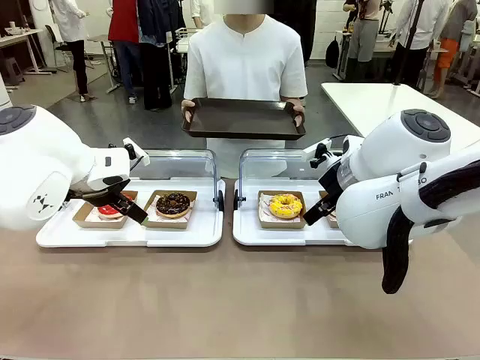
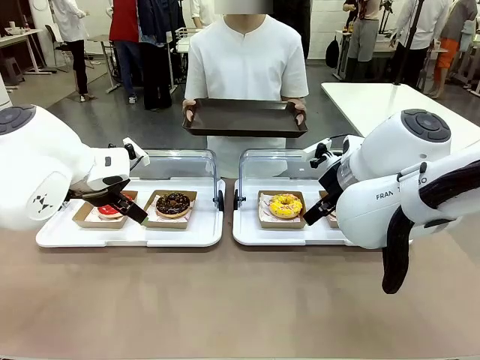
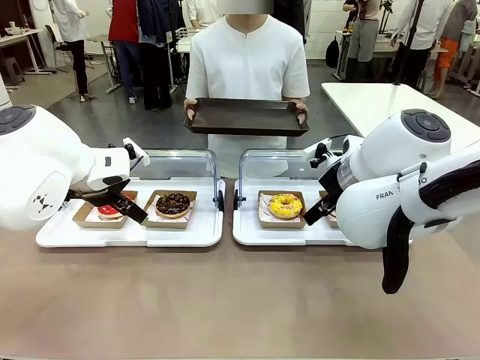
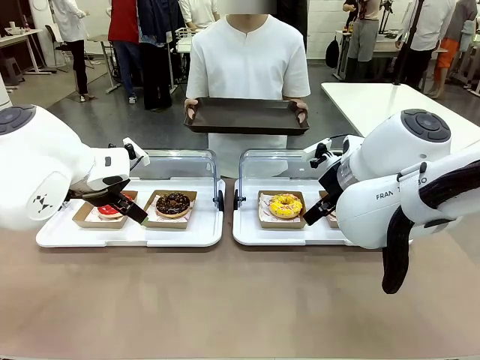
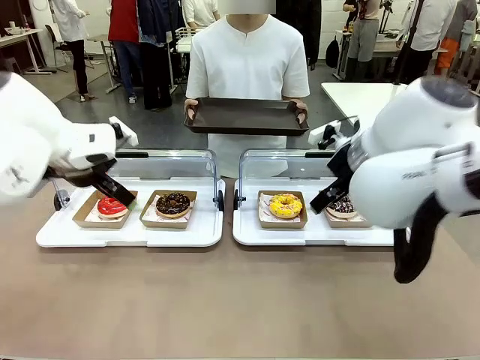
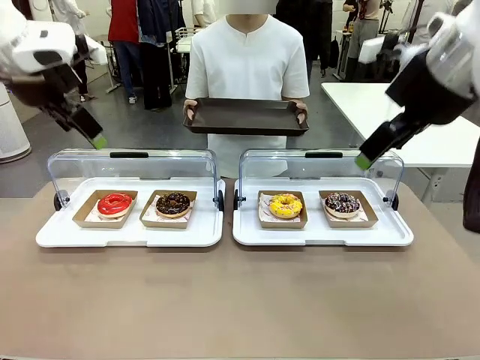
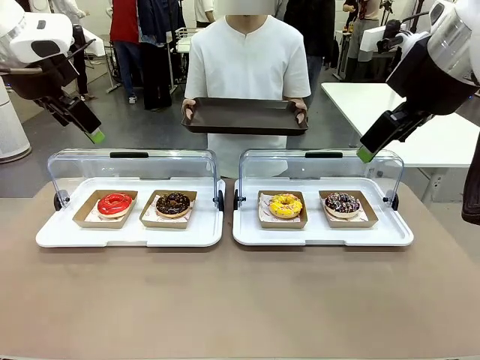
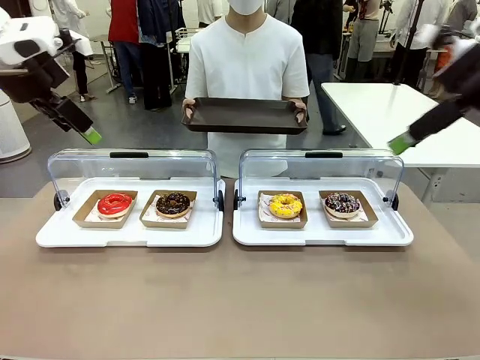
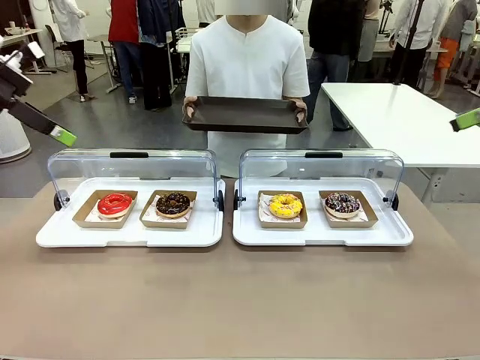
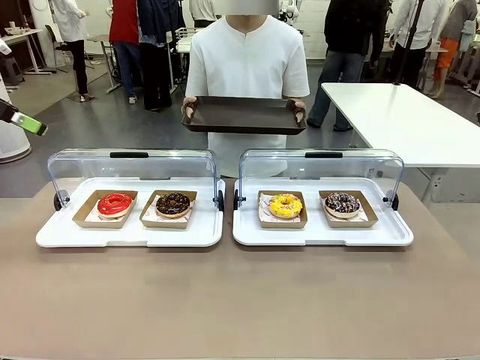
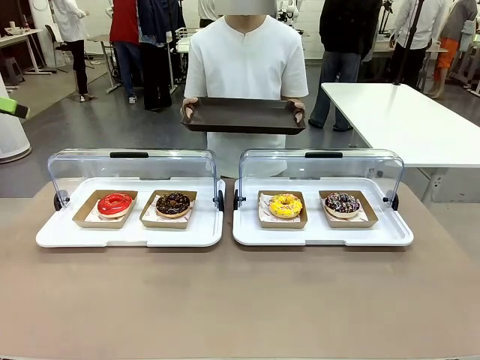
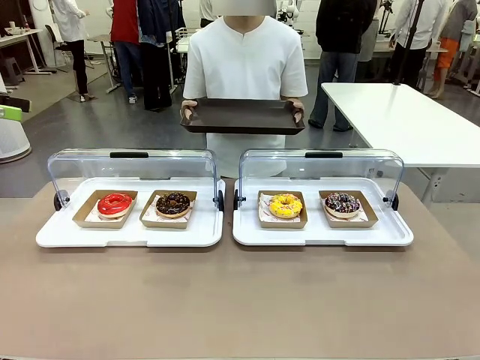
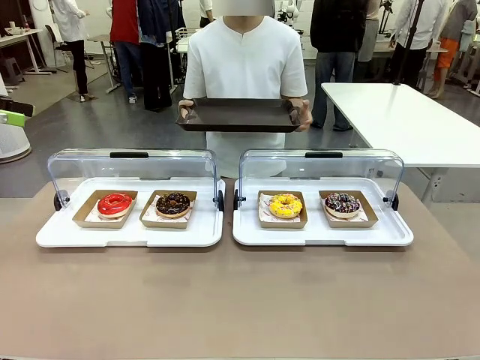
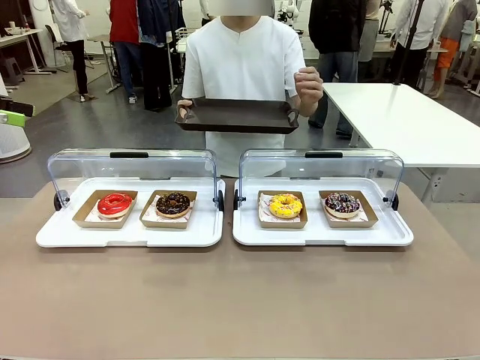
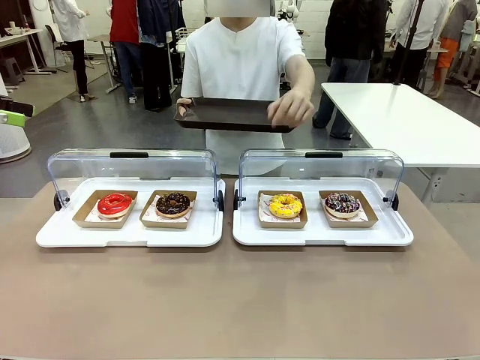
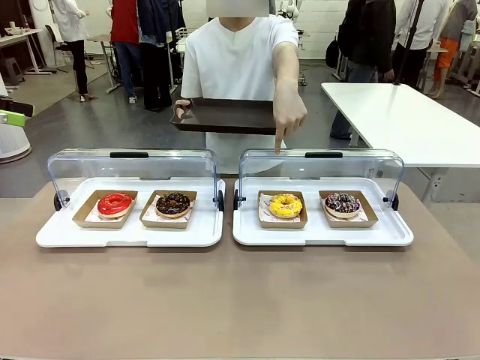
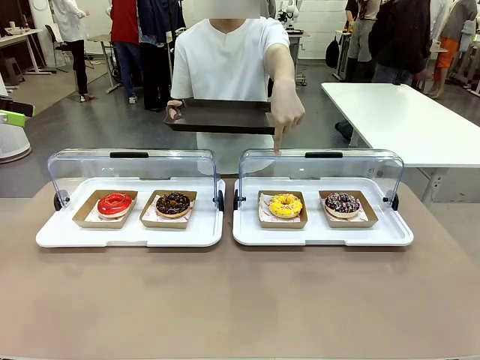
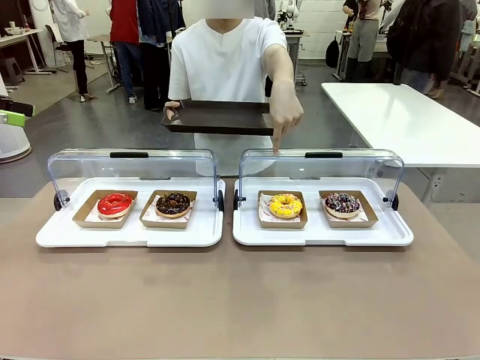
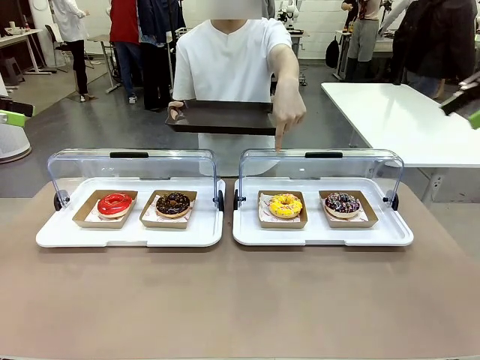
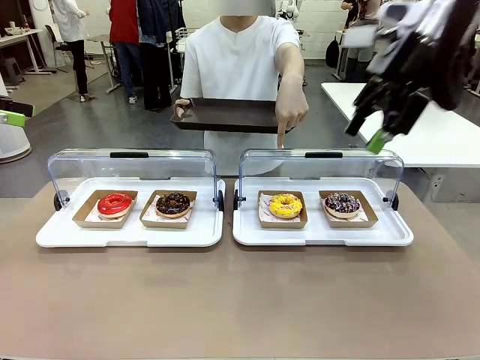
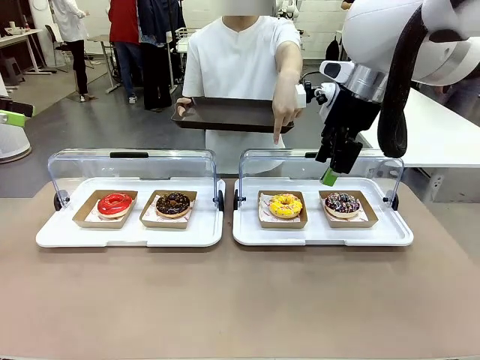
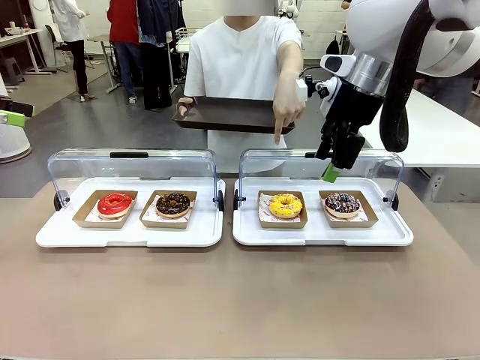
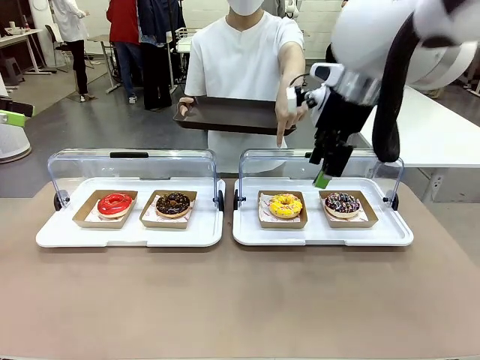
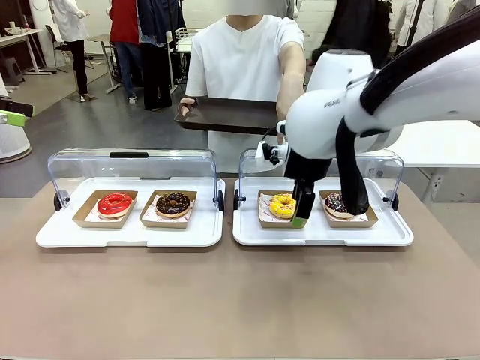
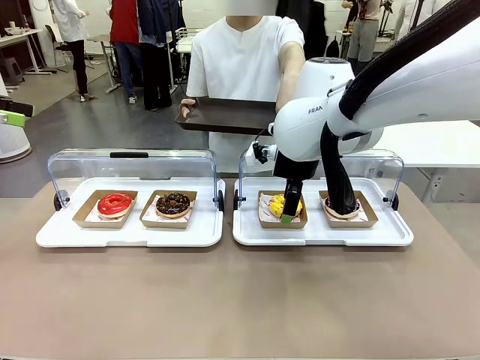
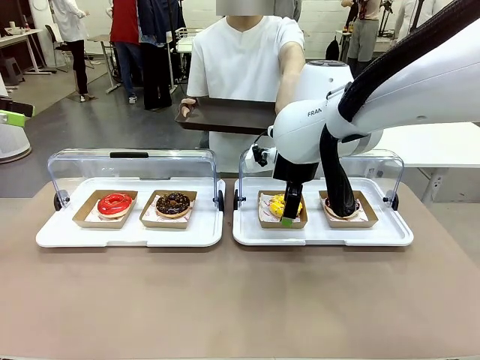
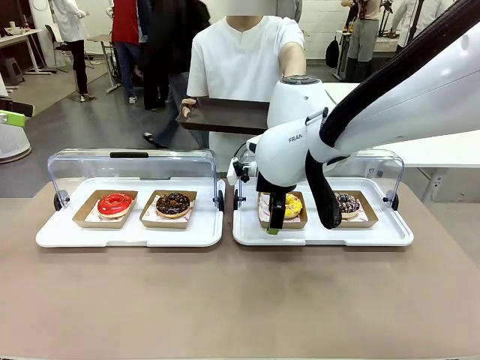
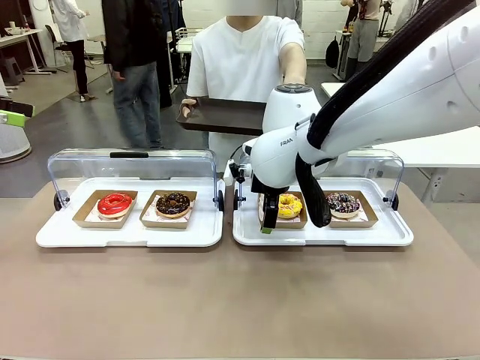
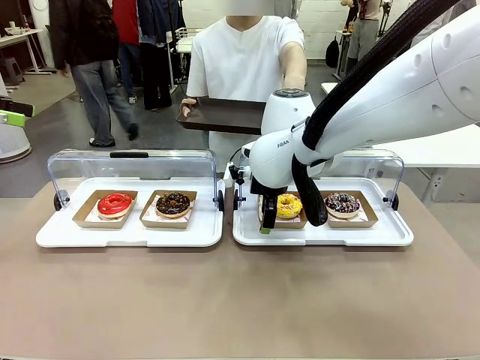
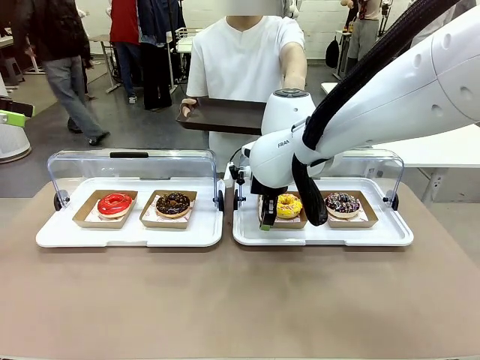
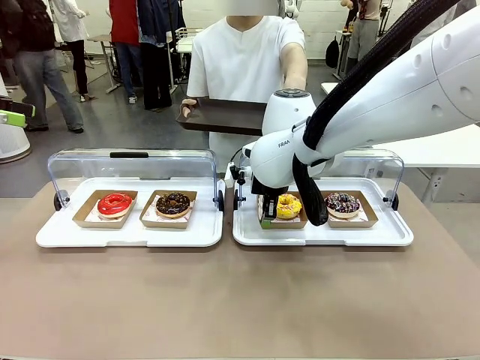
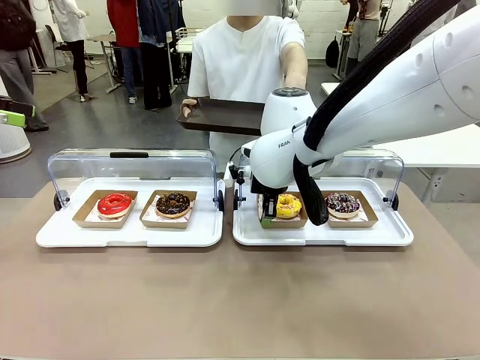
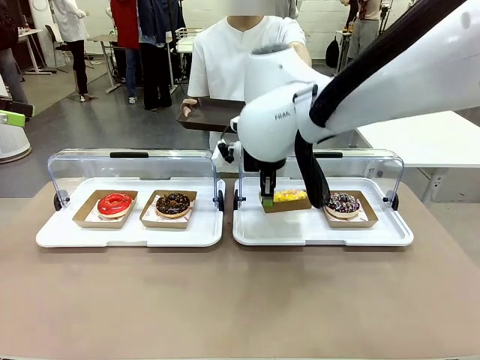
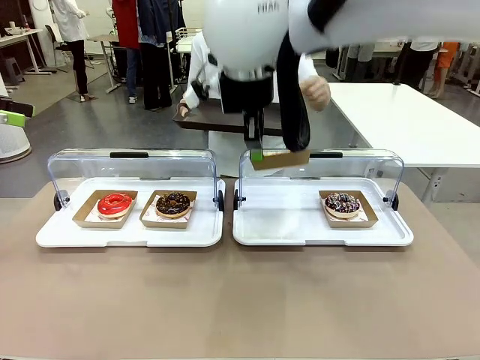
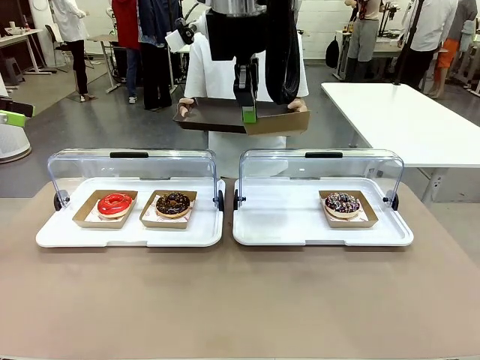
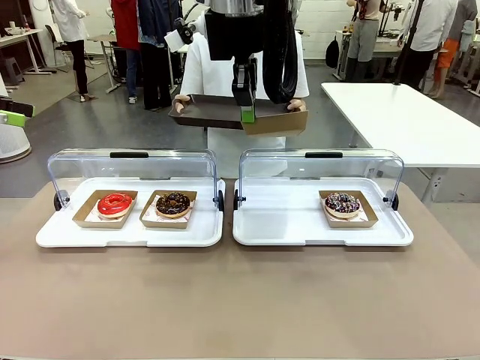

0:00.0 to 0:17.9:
Task: Provide the desired donut to the person.
Robot: Pick up and lift the Paper togo box containing the Donut pointed at by the person.
Person: Point to one donut. Lift the tray onto the Roll-Top Bakery Case.

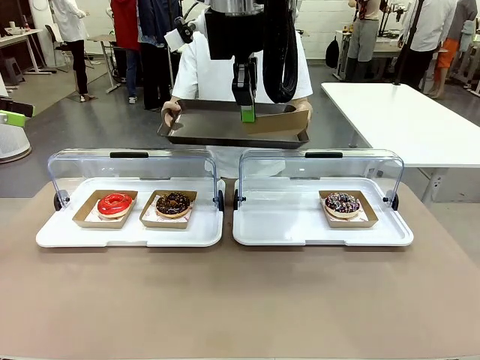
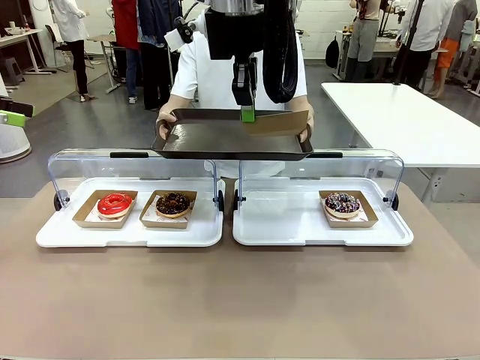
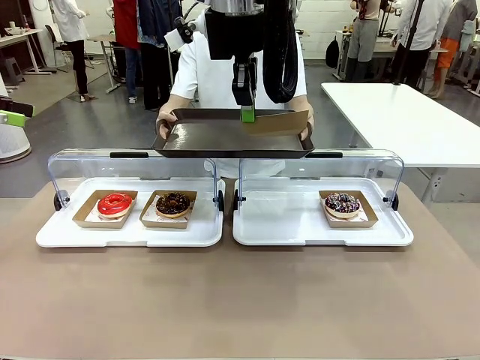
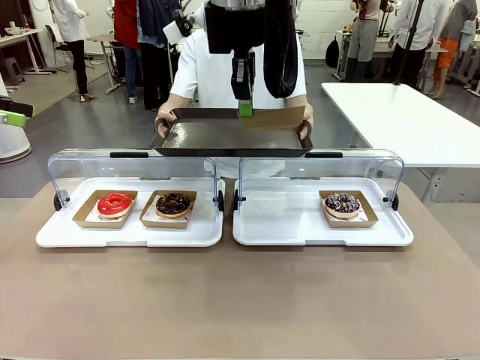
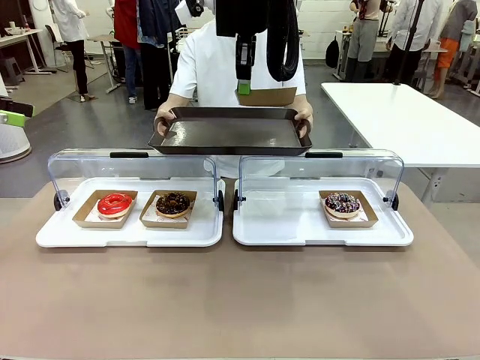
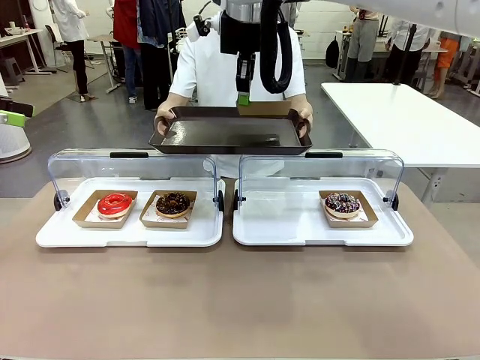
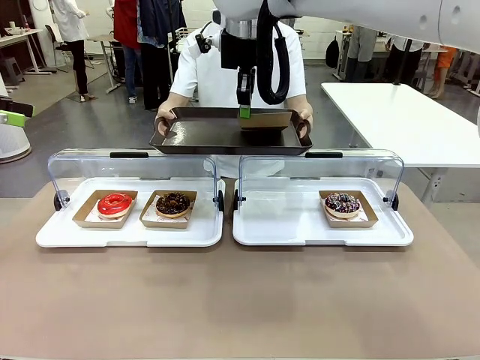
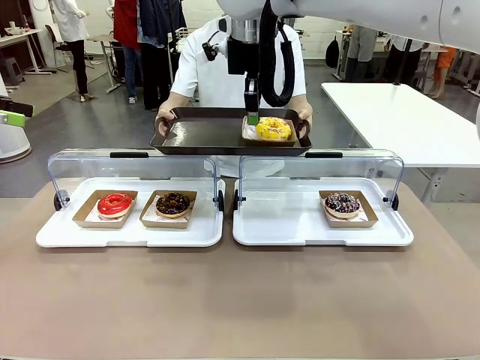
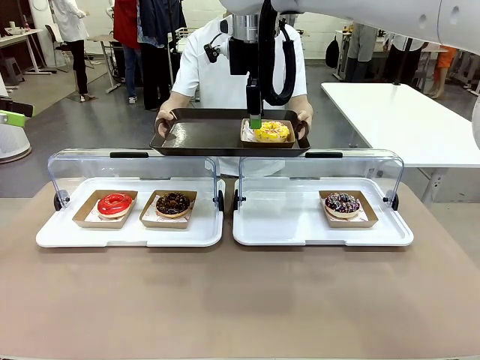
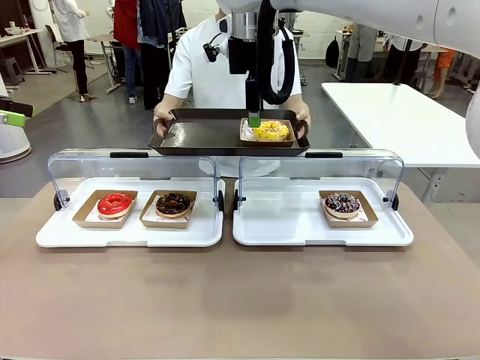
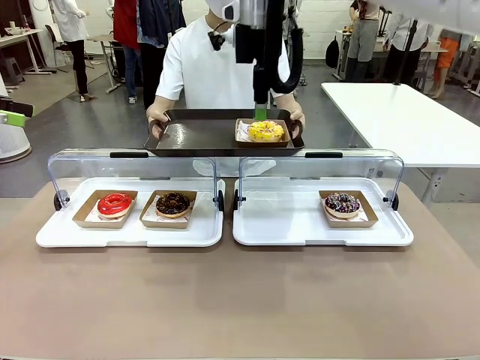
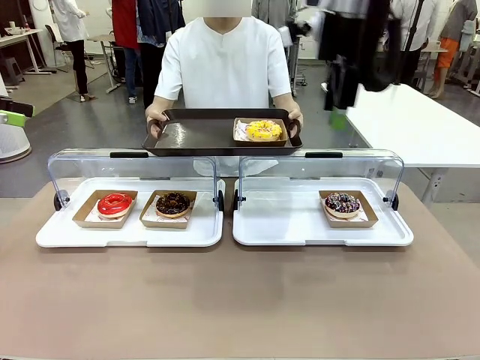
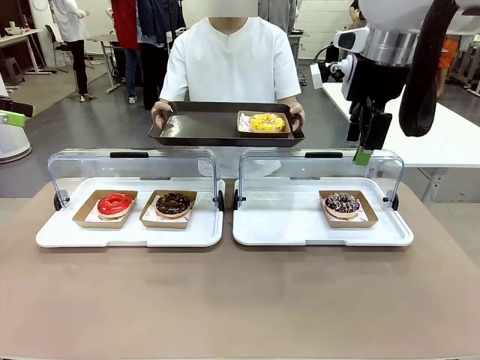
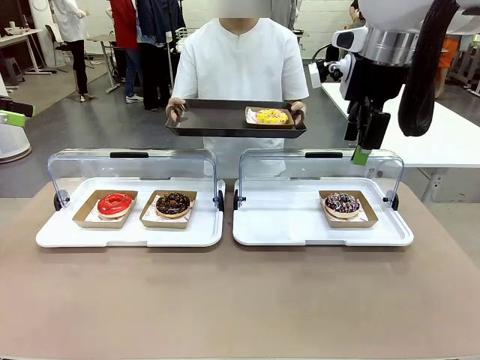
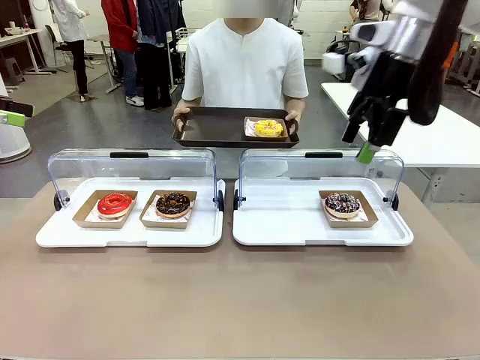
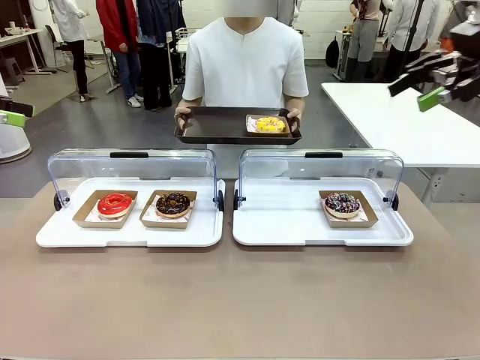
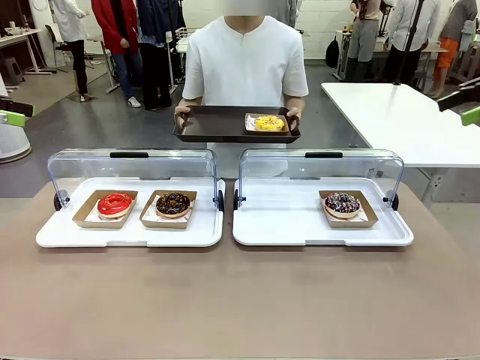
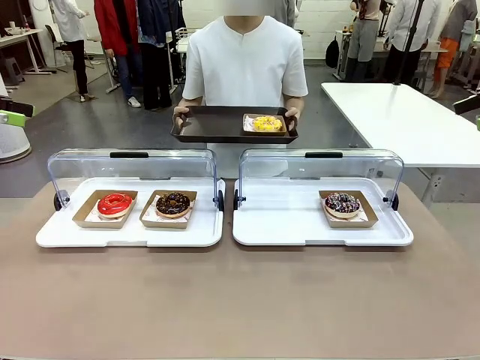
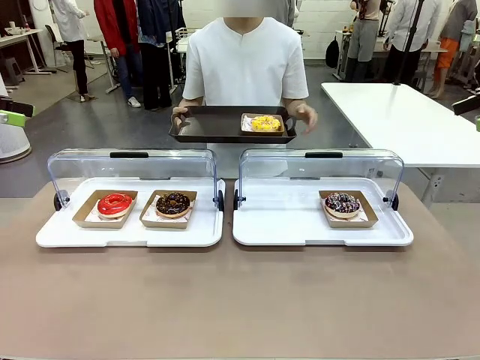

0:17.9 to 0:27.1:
Robot: Place the picked Paper togo box onto the Handle tray extended by the person.
Person: Point to one donut.
